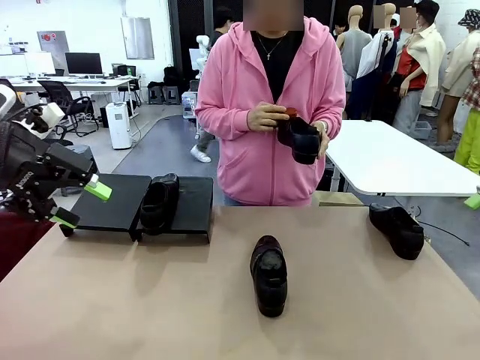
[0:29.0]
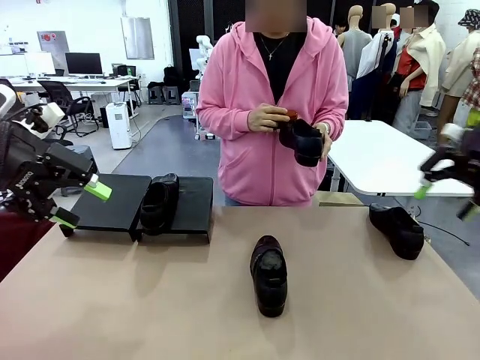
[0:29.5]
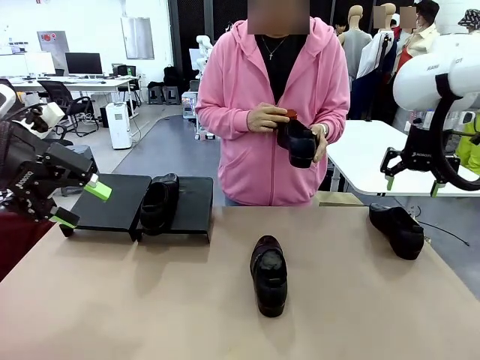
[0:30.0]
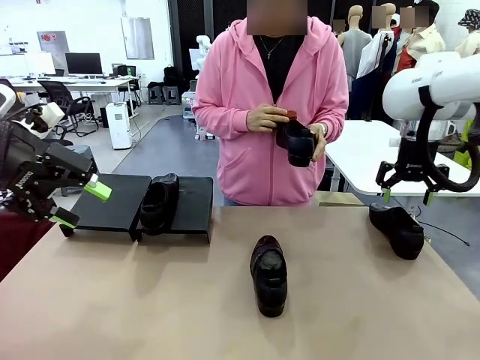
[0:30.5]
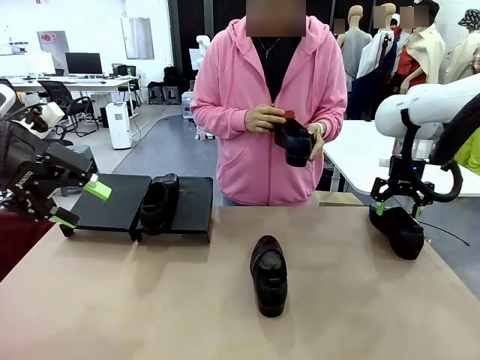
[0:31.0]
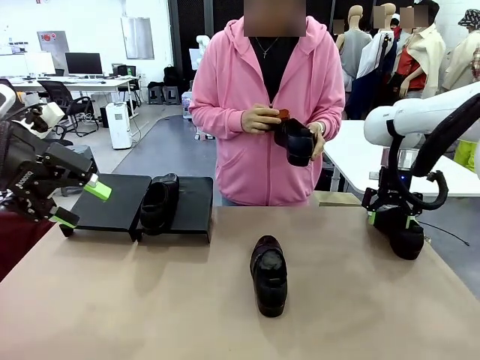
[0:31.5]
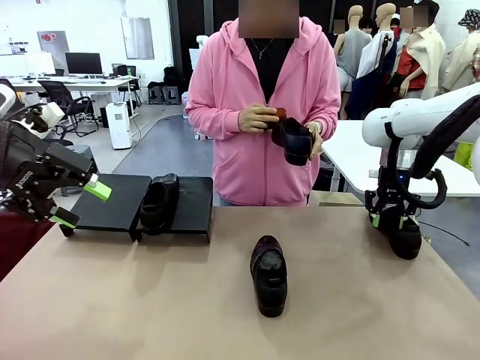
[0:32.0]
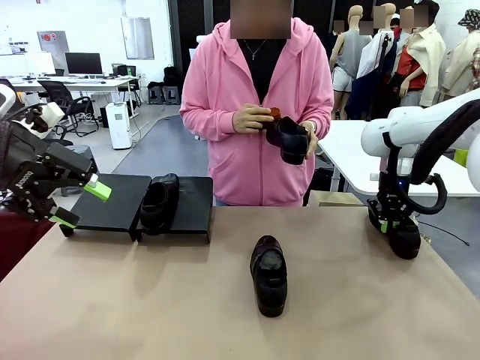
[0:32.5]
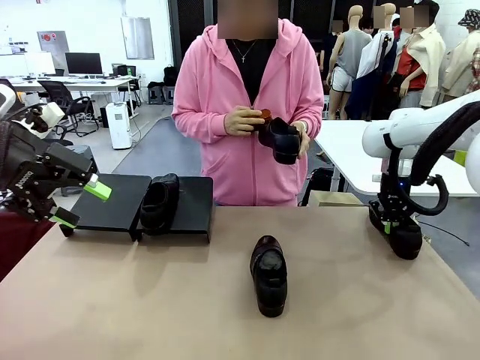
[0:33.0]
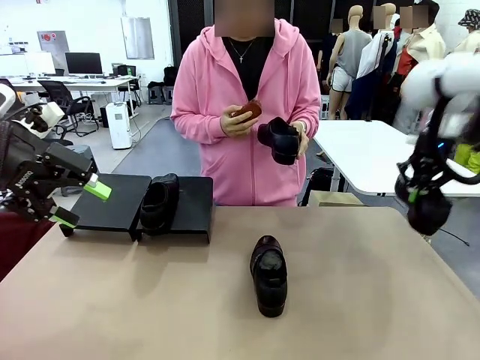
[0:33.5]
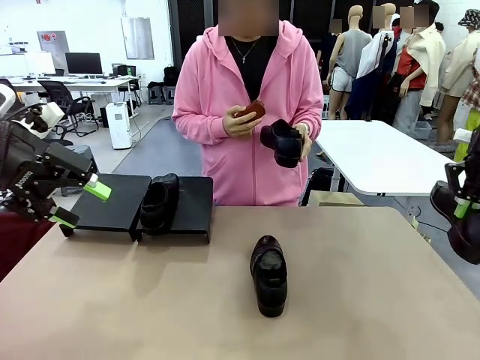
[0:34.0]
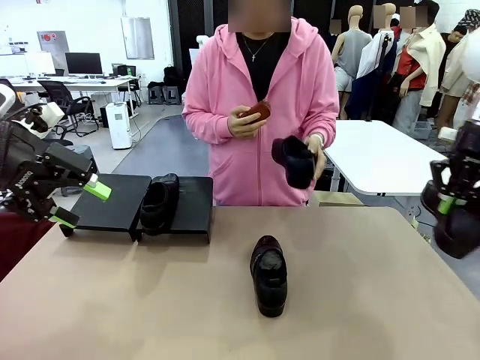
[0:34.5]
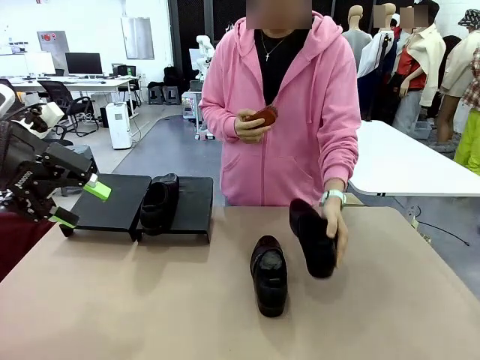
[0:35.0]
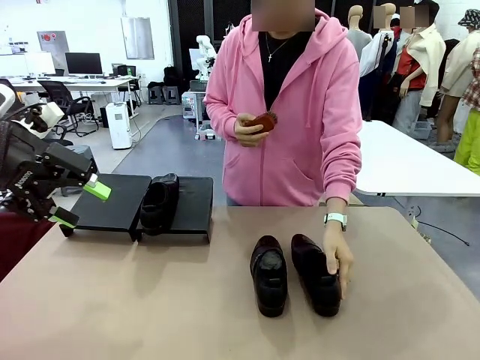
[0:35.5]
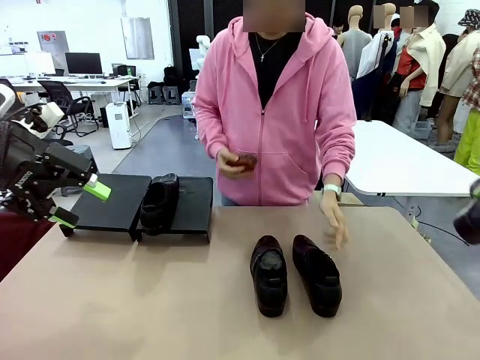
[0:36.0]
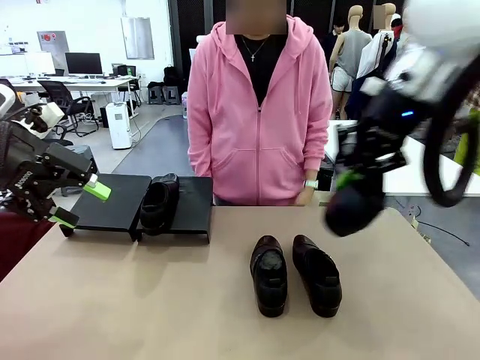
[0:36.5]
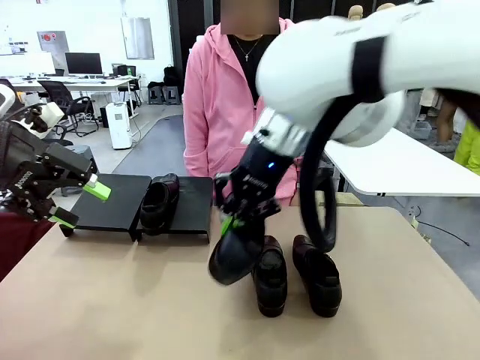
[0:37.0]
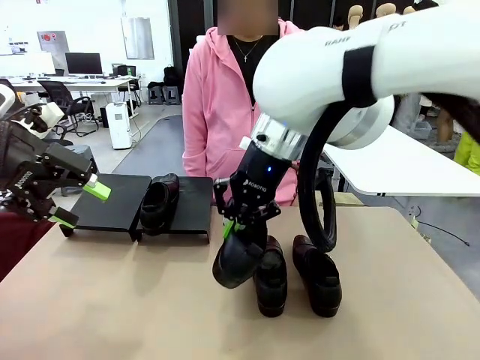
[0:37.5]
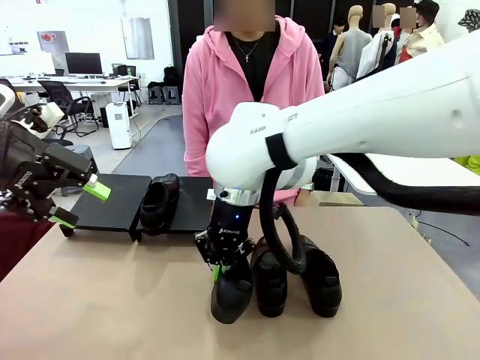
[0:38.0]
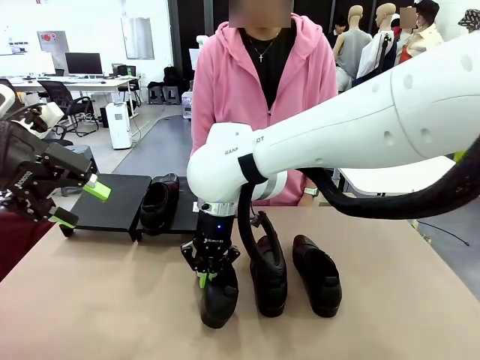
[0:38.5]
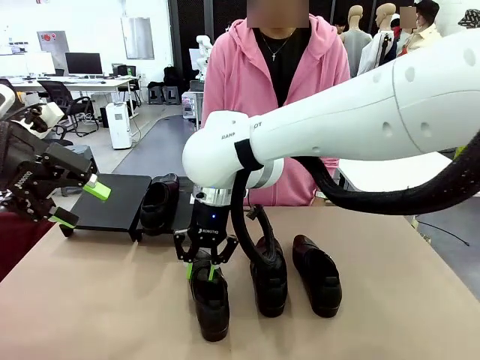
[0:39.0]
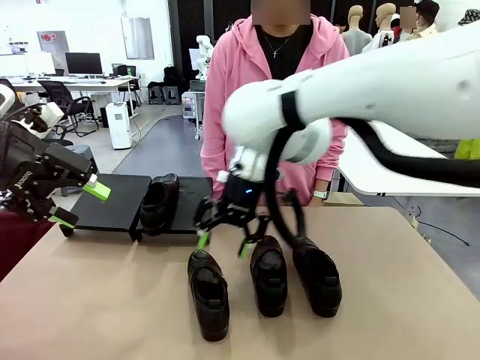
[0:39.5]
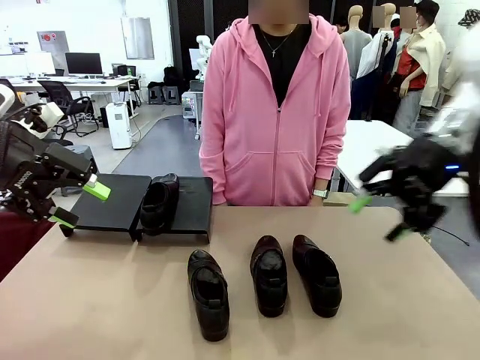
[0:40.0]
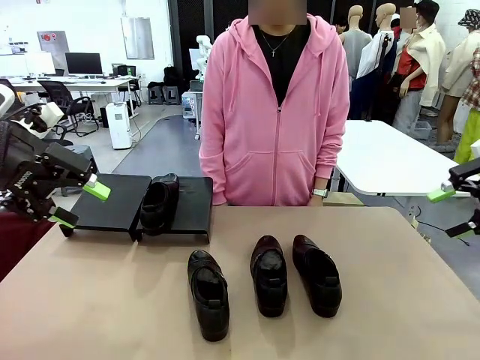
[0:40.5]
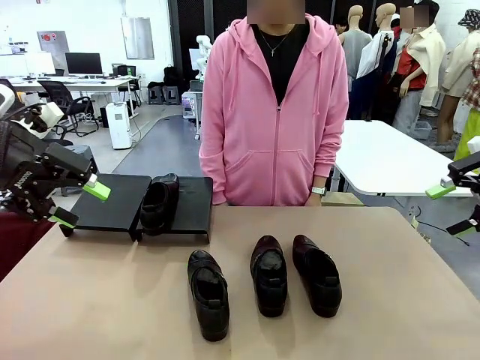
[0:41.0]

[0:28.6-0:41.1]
Task: Organize the shoes by placing them on the stand.
Robot: Pick up one Shoe and place it in the middle of the table.

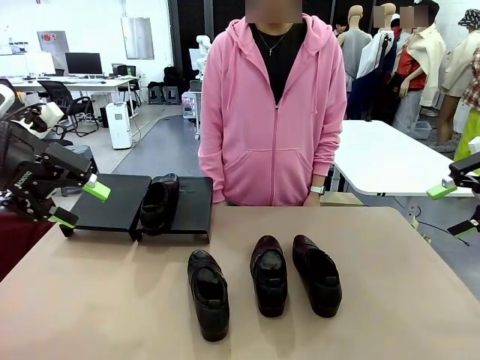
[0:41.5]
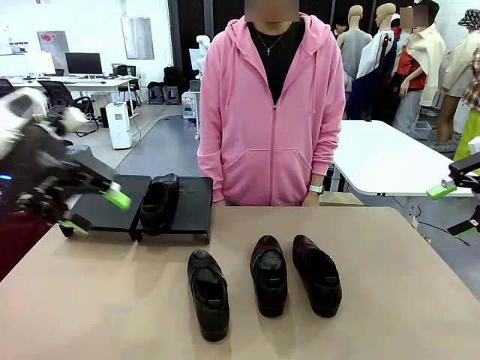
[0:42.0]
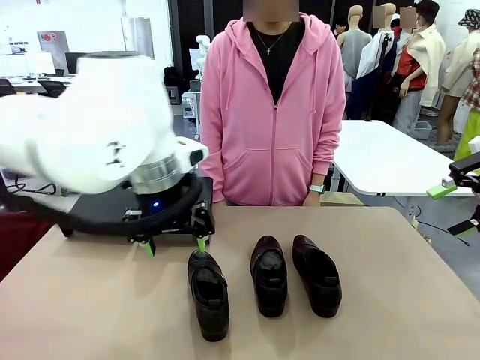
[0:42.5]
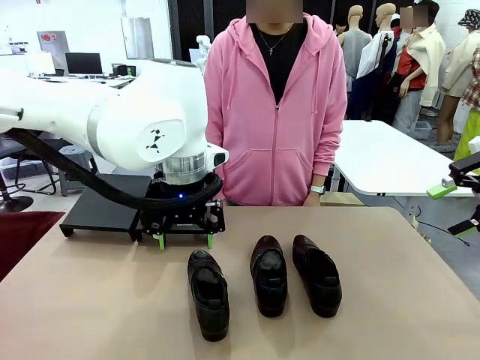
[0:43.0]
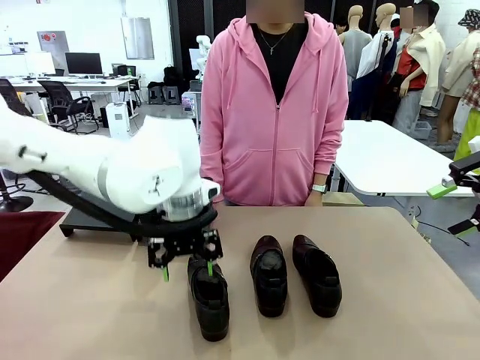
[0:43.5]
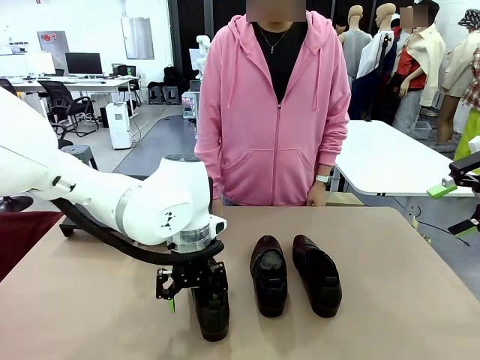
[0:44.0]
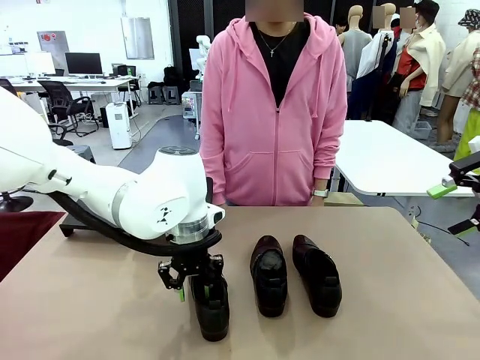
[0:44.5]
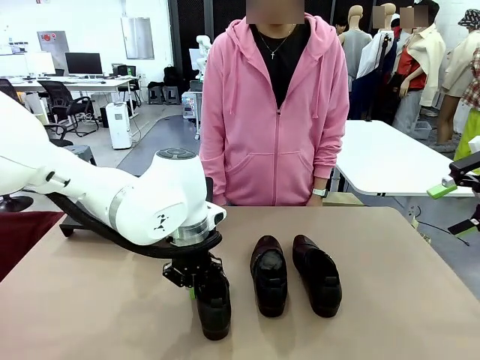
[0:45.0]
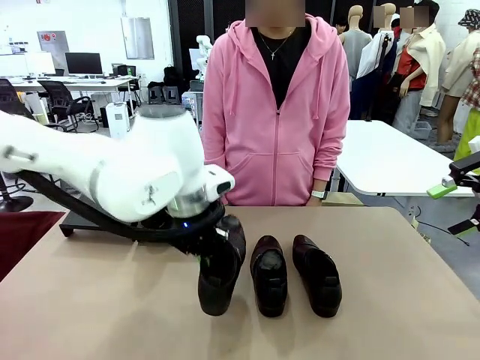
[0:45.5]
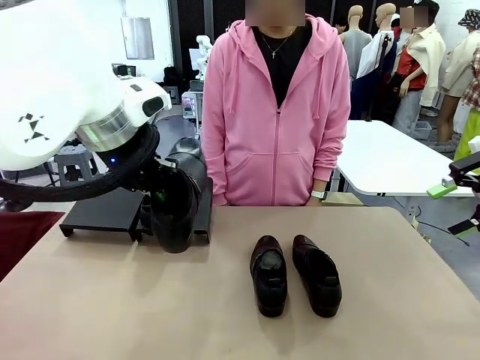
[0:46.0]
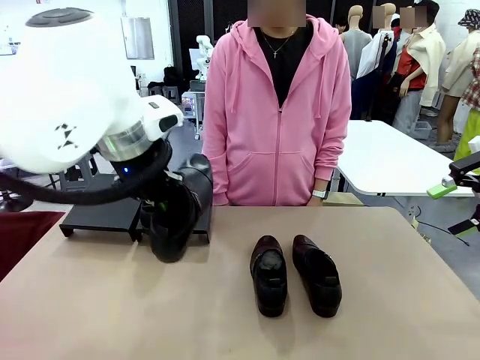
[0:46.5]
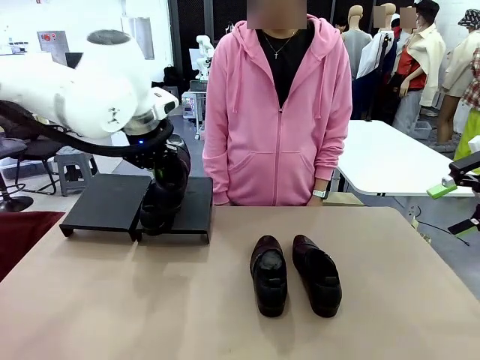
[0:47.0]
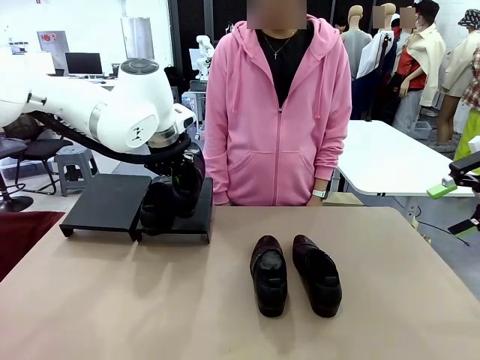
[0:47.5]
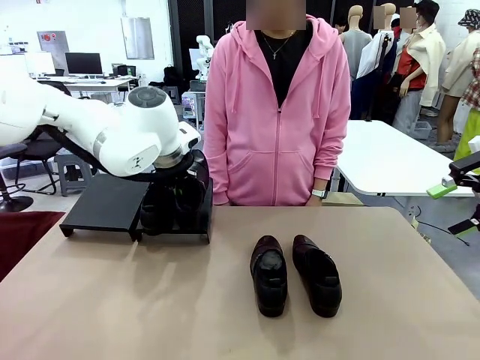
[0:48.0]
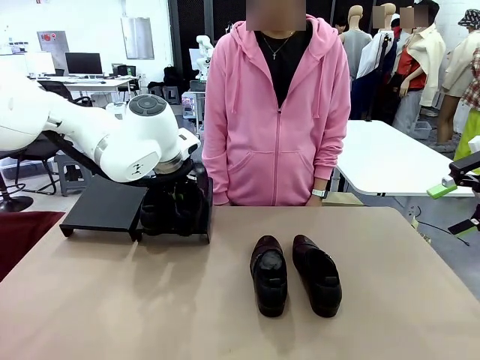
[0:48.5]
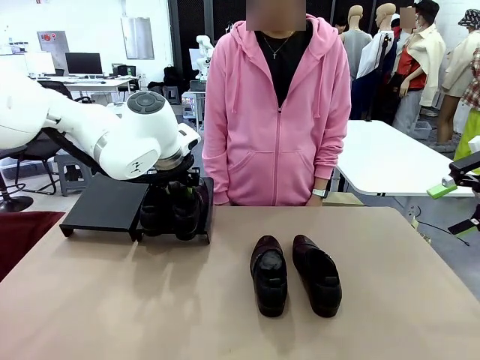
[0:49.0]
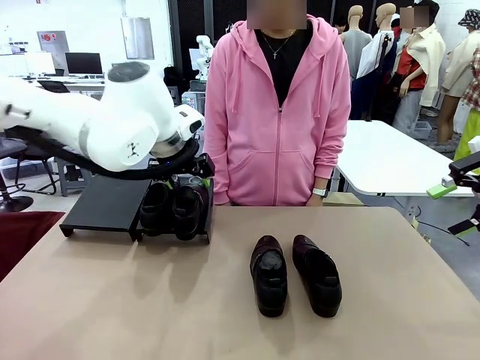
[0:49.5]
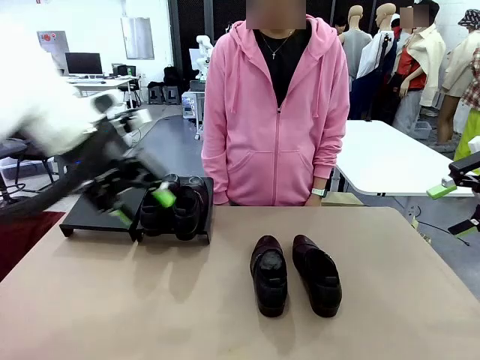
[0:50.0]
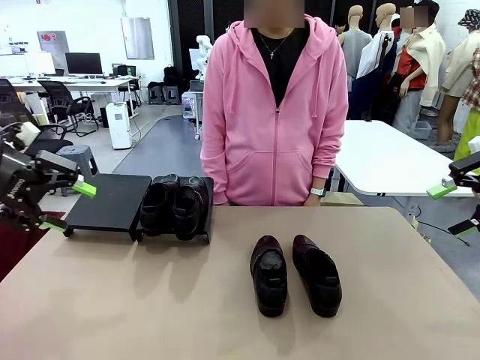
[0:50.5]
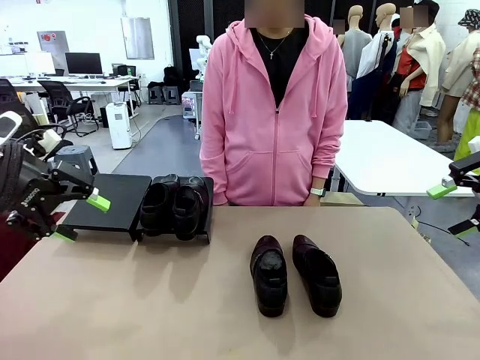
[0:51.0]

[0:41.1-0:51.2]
Robot: Place the Shoe from the middle of the table onto the Shoes Stand.

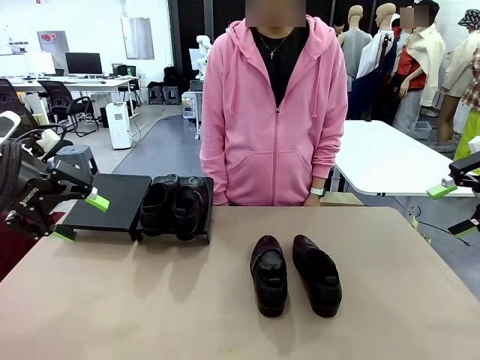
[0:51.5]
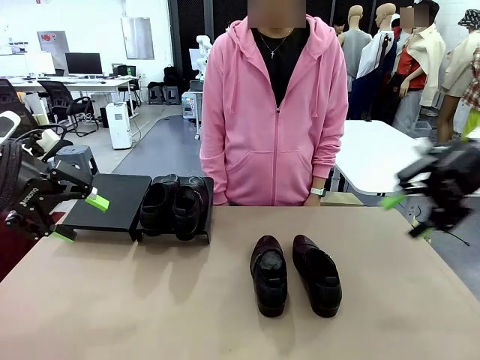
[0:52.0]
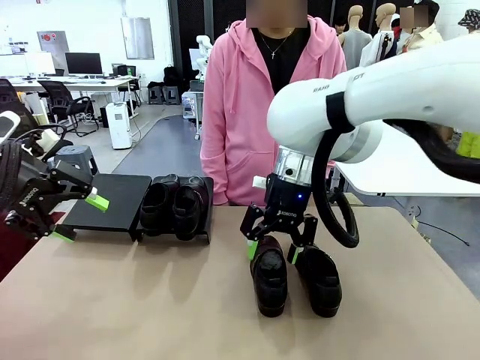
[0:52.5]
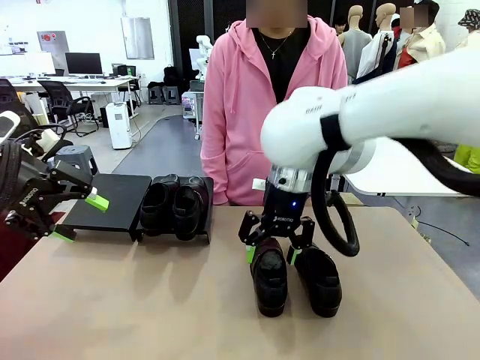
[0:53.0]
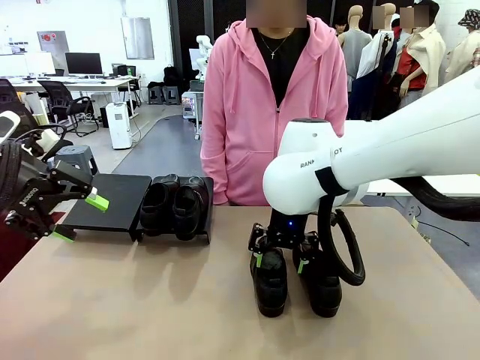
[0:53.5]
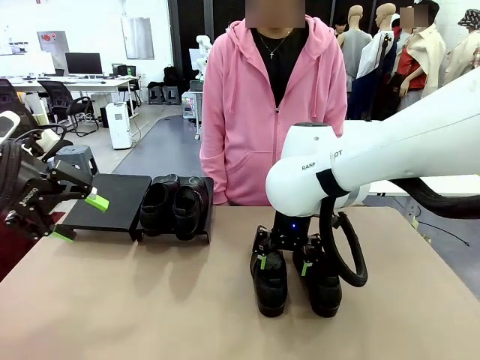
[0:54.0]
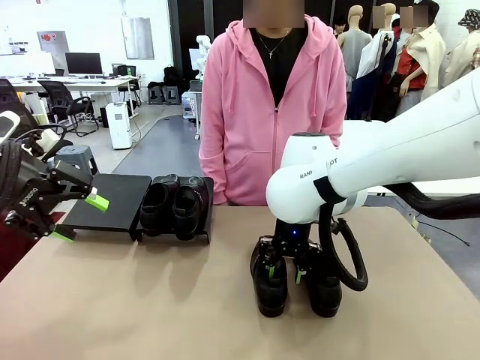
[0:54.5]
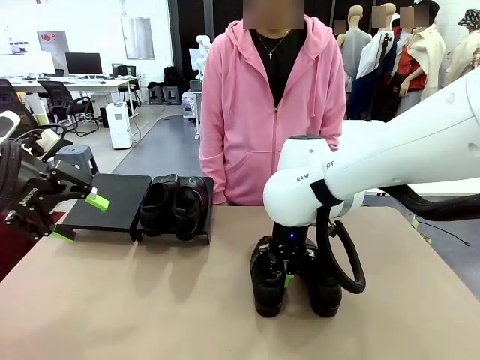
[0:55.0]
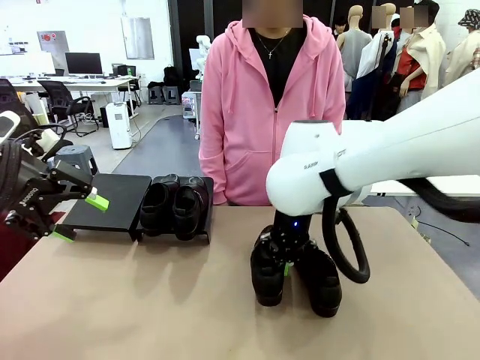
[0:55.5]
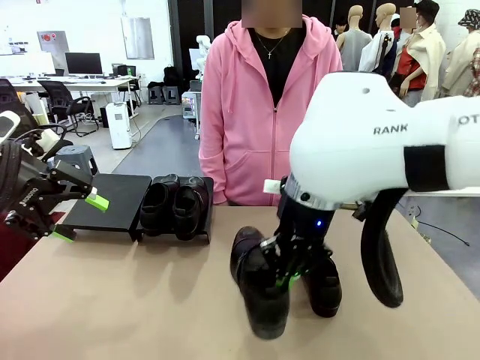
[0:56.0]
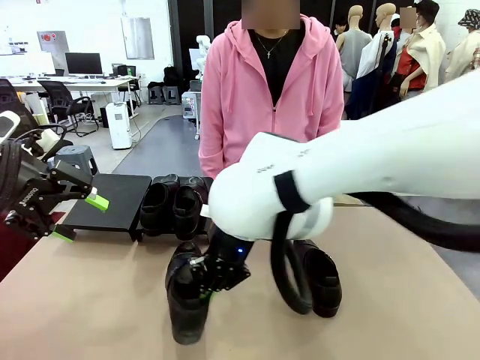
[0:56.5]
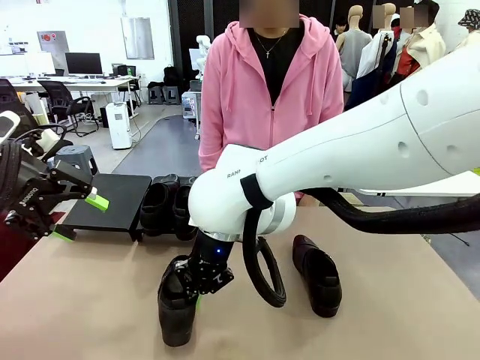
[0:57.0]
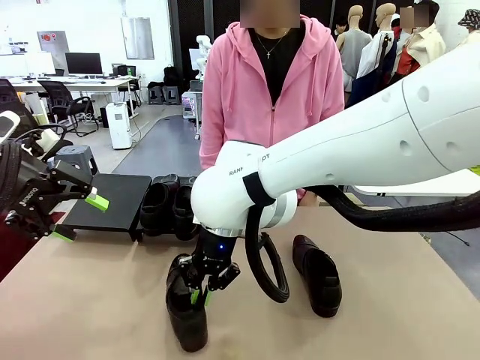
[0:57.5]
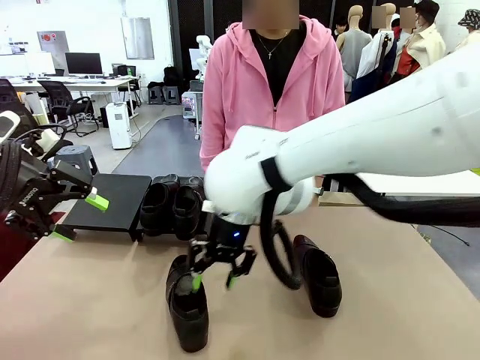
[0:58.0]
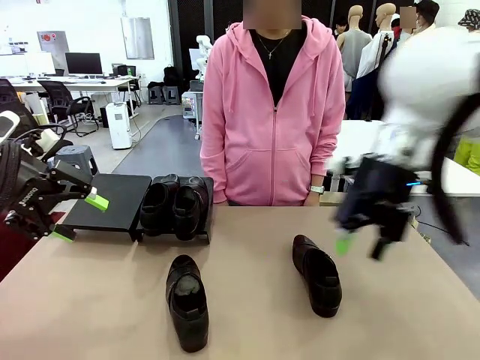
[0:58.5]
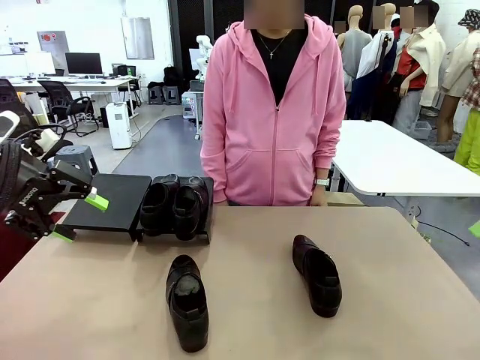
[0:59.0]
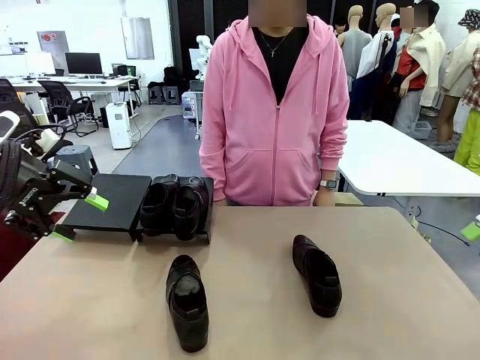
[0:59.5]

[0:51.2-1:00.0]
Robot: Pick up one Shoe and place it in the middle of the table.
